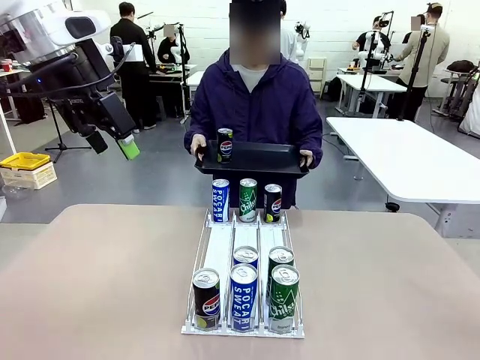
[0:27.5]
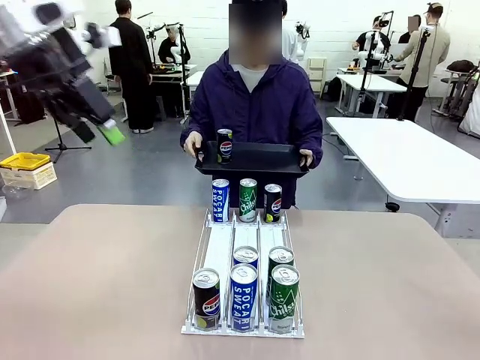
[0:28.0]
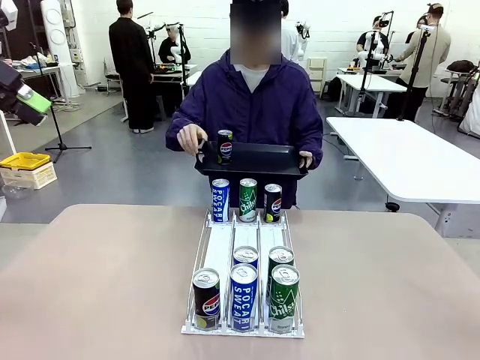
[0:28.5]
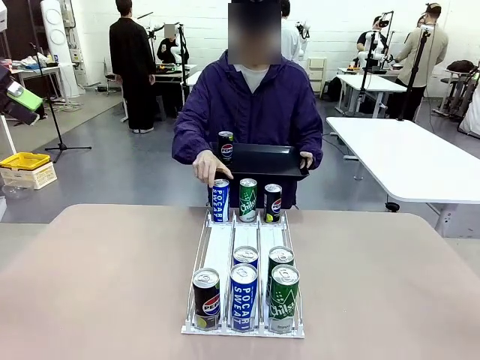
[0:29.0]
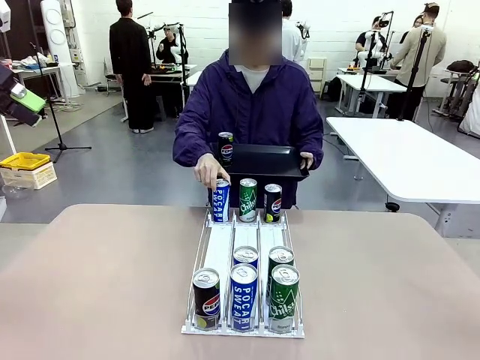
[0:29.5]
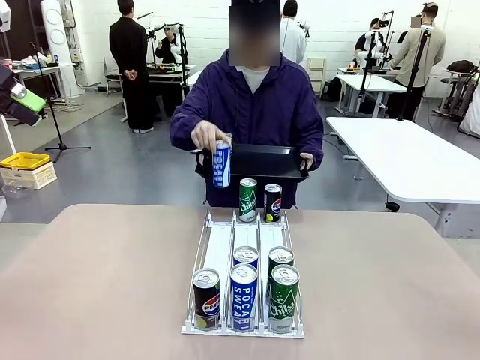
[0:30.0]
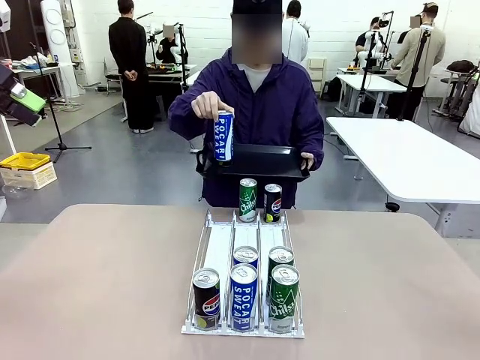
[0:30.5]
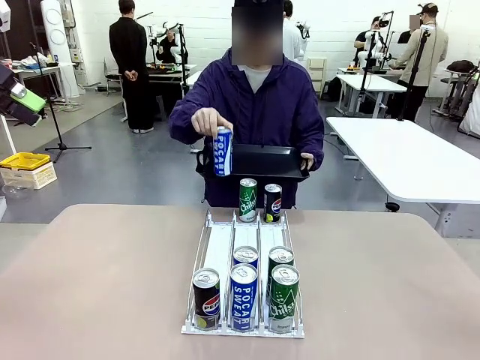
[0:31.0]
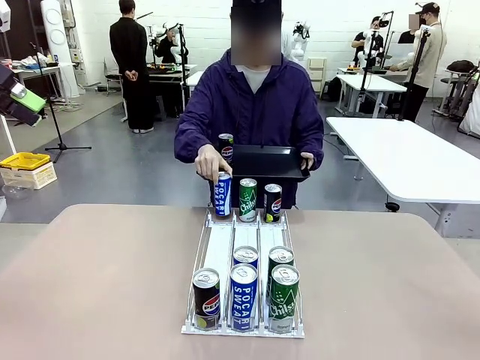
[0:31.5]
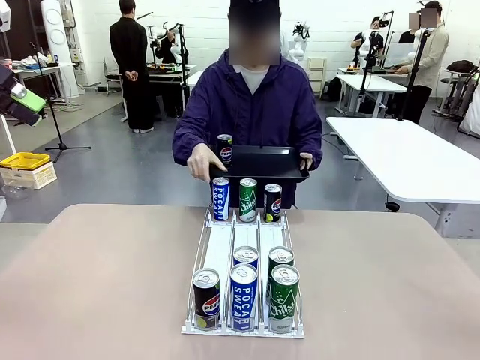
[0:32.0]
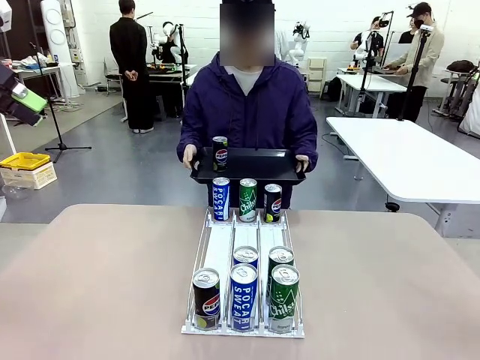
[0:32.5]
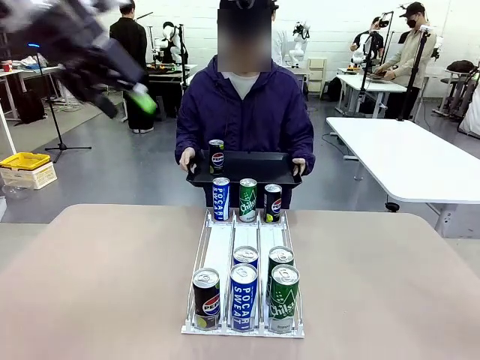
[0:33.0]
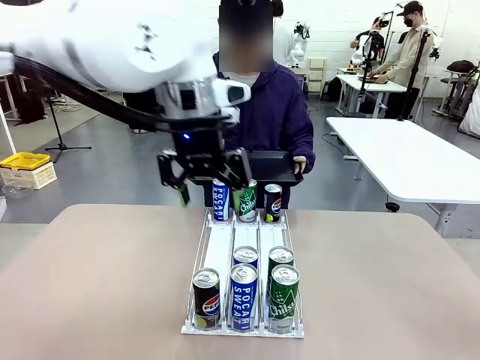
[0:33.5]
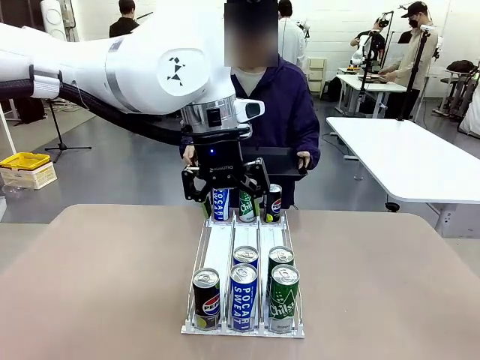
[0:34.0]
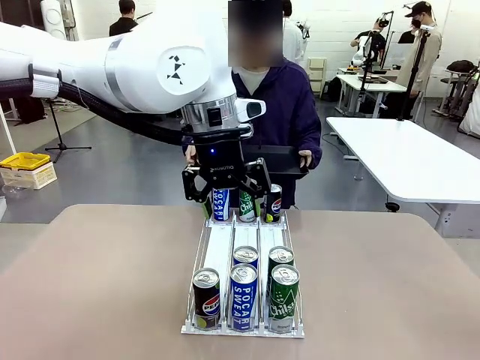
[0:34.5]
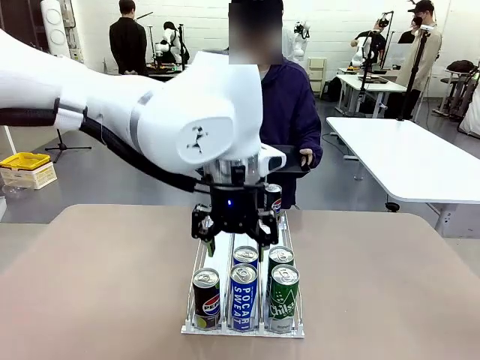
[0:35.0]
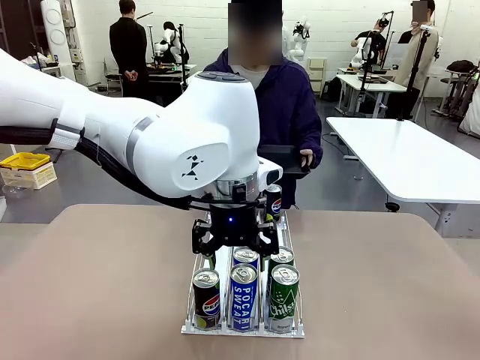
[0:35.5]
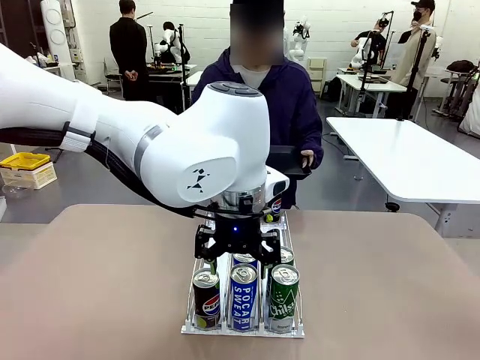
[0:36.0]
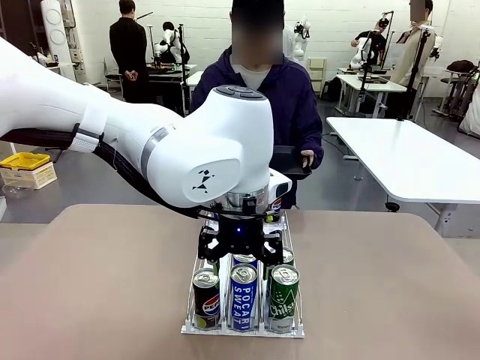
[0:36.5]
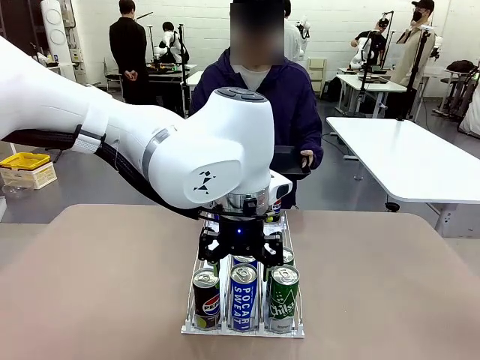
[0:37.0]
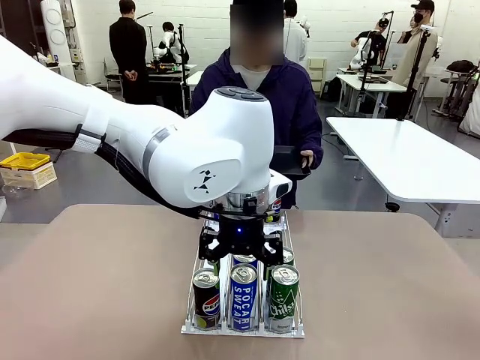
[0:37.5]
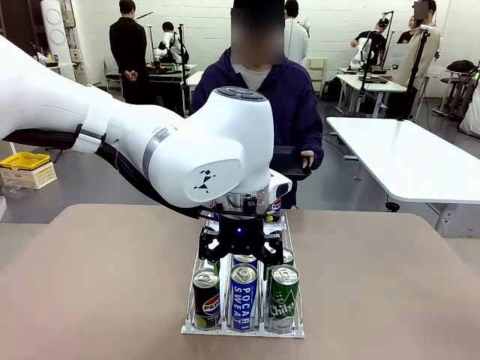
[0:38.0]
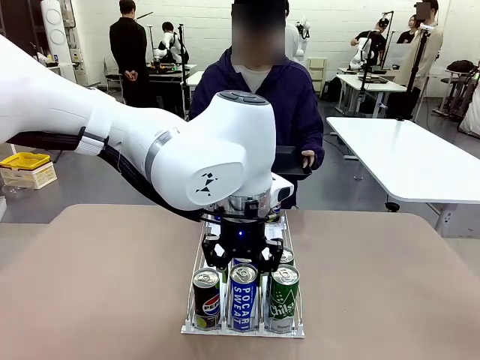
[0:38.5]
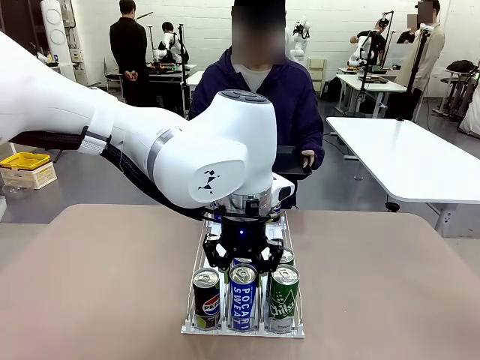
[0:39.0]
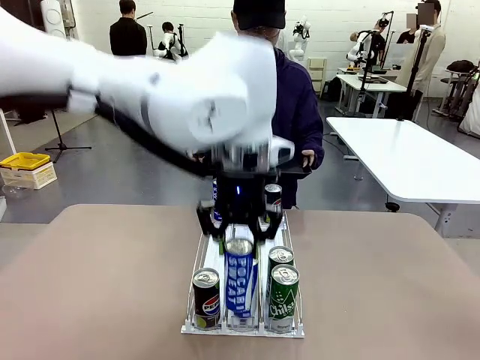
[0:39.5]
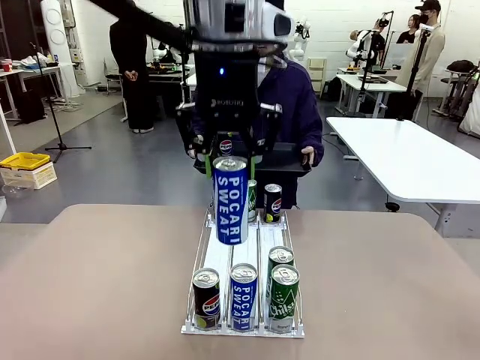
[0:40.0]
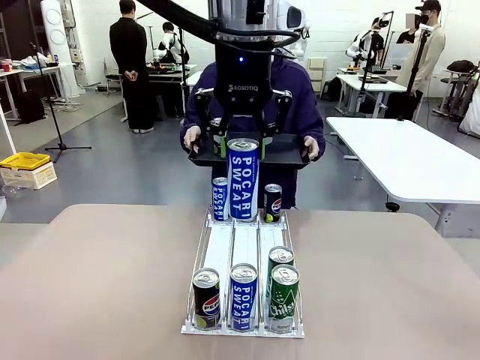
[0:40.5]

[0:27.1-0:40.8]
Task: Retrieve and hand over the desired beverage to the person.
Robot: Pick up another can of the same type that the person held from the Automatic Can Dispenser.
Person: Pull the tray back, then pick up another can from the bottom area of the table and puts it back in its original place. Push the tray toward the robot again.

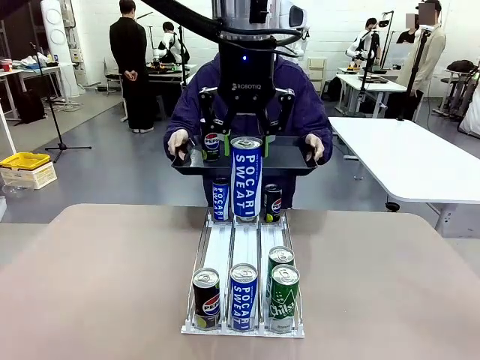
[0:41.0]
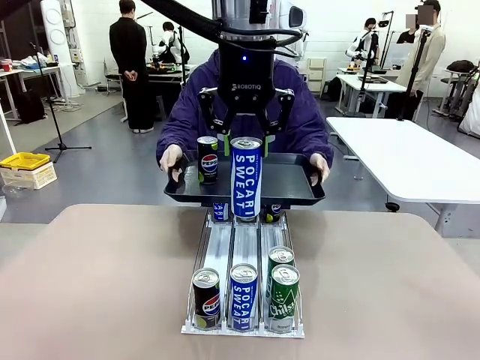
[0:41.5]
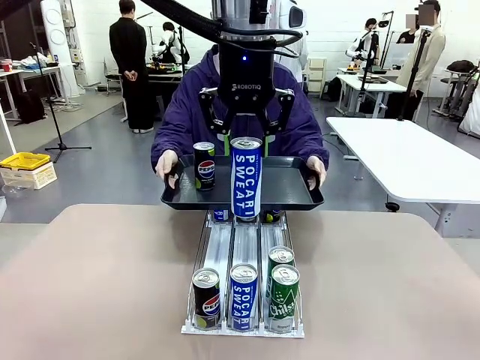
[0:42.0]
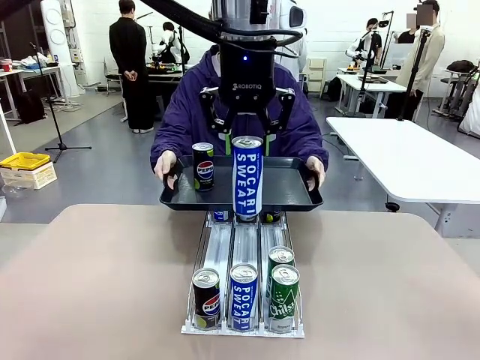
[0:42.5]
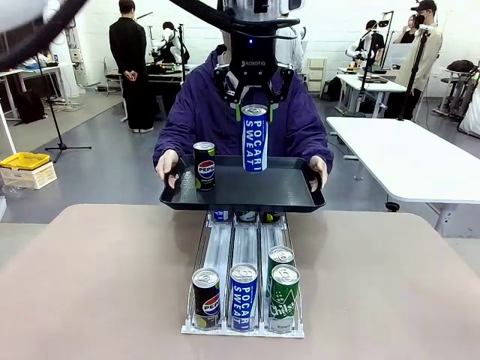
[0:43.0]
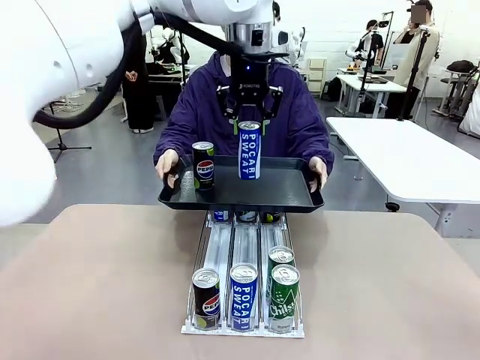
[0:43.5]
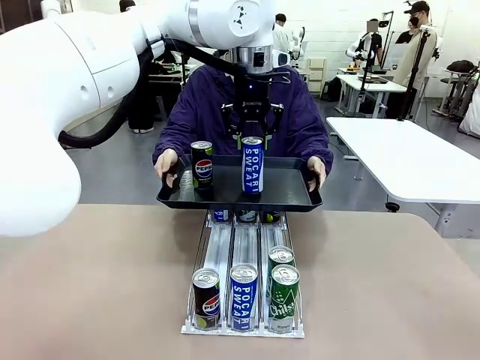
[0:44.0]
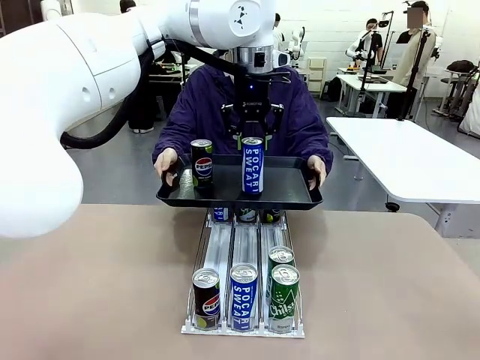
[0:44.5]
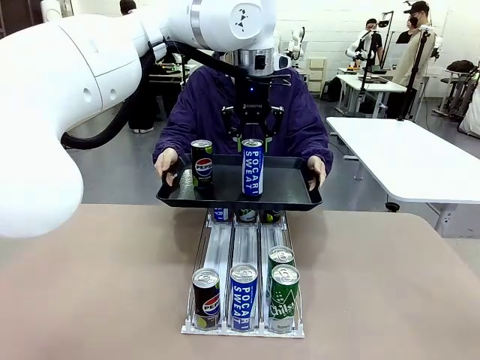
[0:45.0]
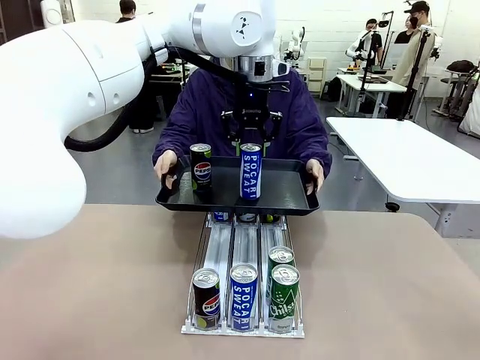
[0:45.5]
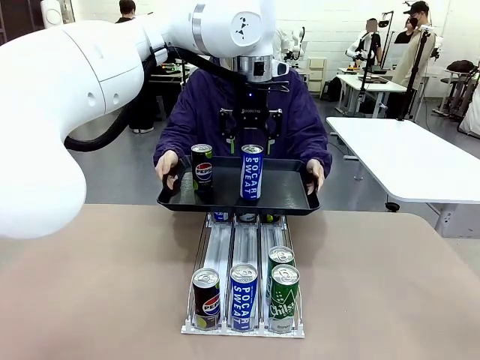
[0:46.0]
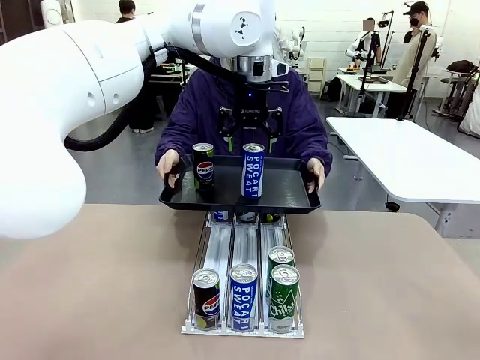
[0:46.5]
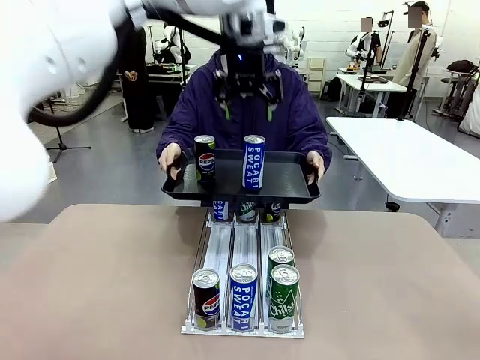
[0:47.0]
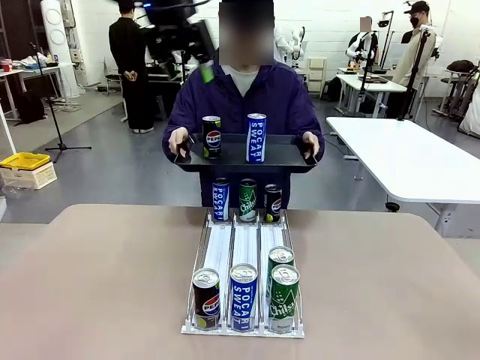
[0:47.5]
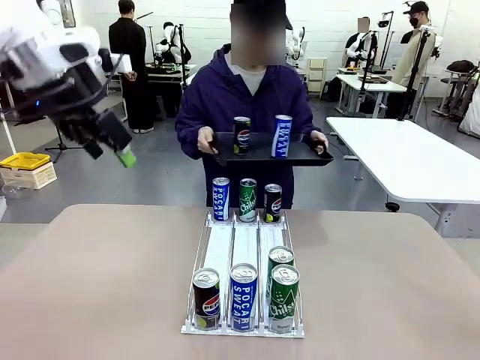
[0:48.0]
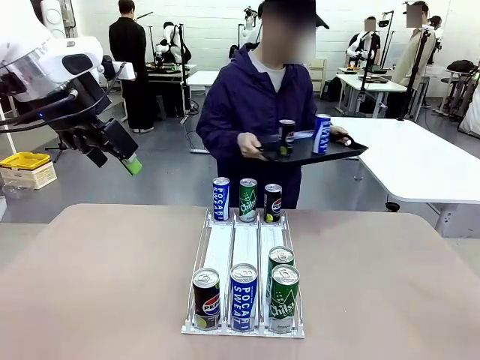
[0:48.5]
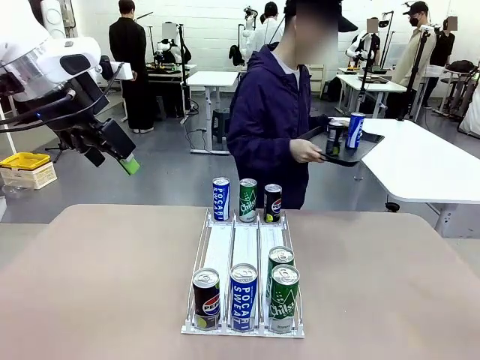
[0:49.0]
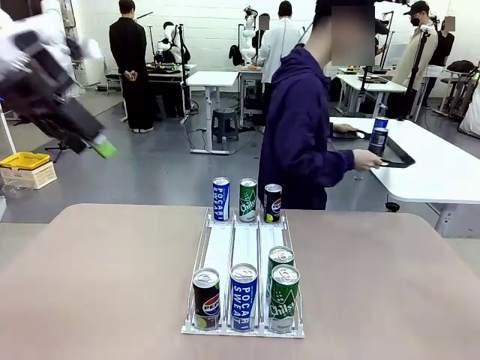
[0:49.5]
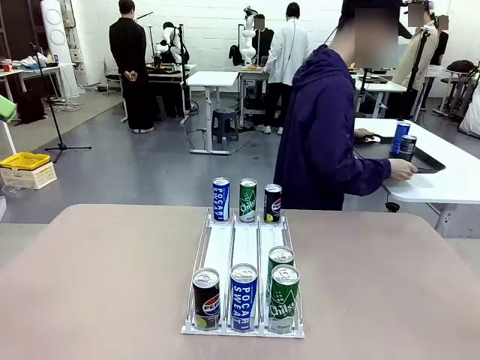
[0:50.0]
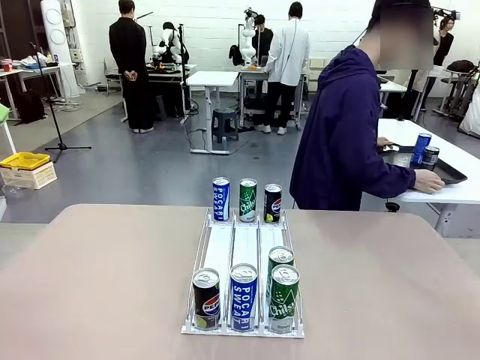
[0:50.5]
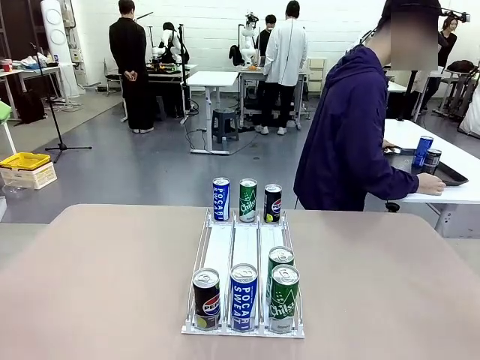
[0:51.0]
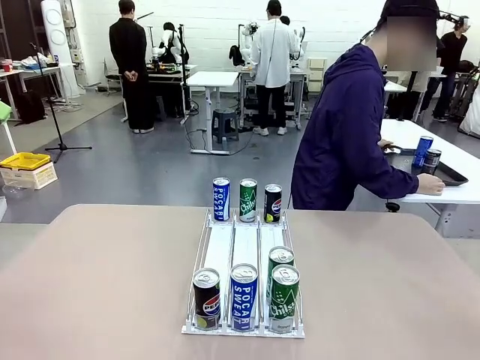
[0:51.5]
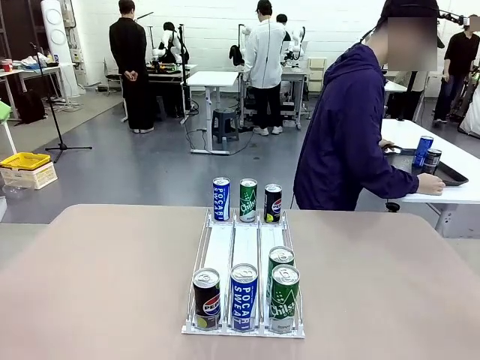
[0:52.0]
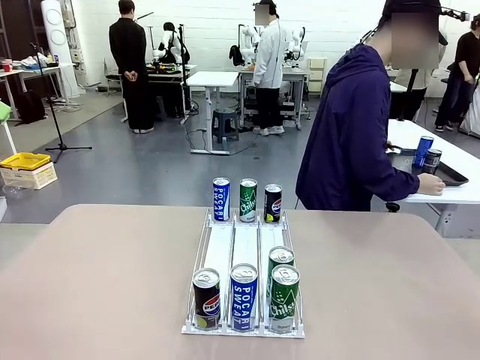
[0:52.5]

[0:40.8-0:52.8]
Robot: Place the picked can on the Handle tray extended by the person.
Person: Pull the tray back and place it at the center of the human table.
